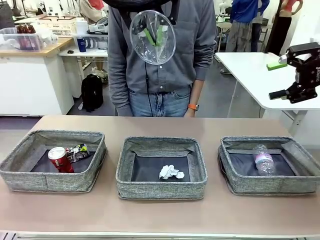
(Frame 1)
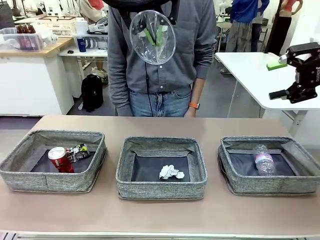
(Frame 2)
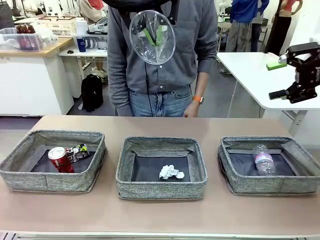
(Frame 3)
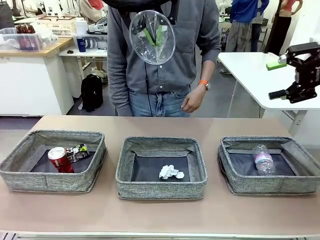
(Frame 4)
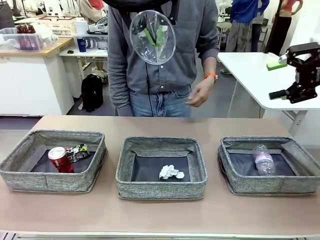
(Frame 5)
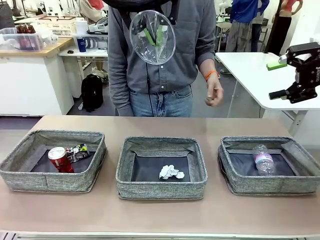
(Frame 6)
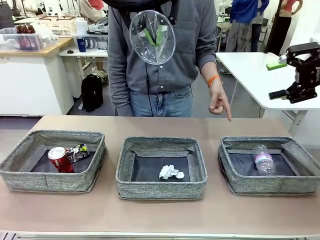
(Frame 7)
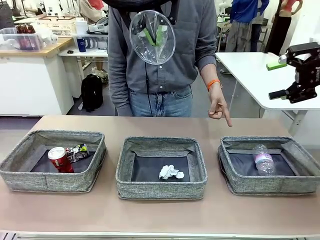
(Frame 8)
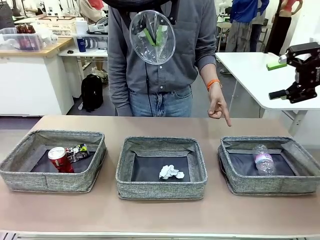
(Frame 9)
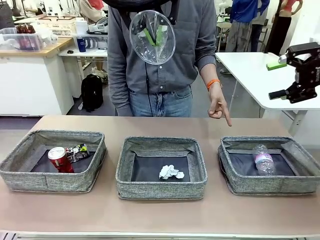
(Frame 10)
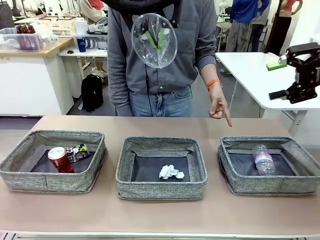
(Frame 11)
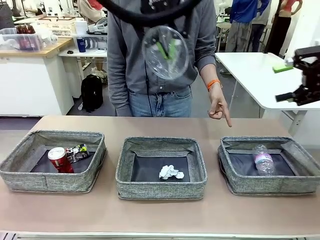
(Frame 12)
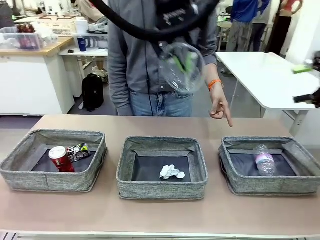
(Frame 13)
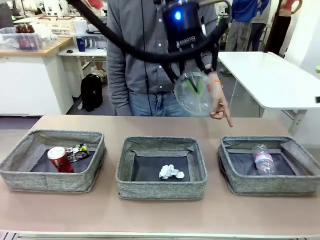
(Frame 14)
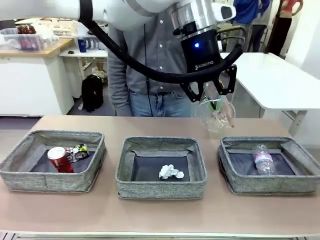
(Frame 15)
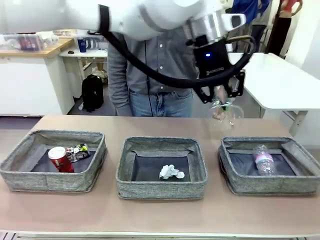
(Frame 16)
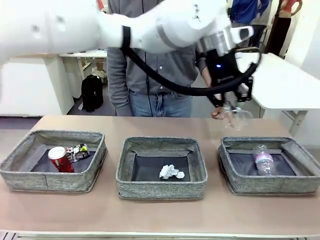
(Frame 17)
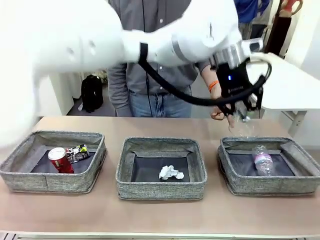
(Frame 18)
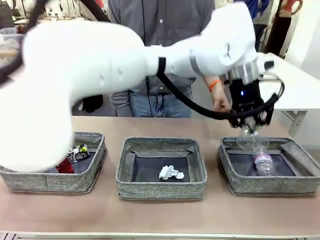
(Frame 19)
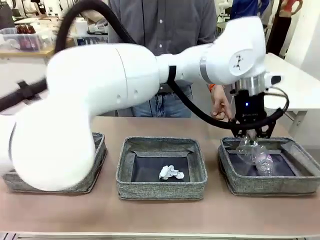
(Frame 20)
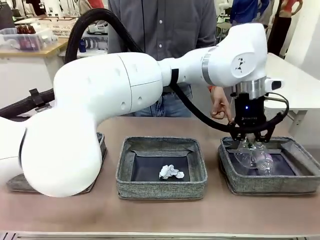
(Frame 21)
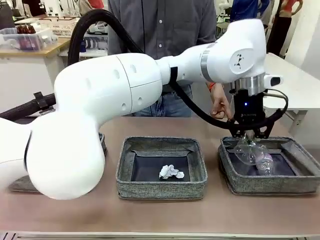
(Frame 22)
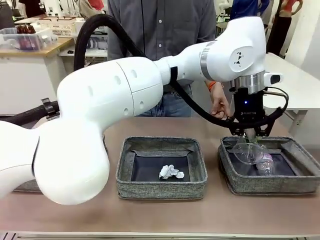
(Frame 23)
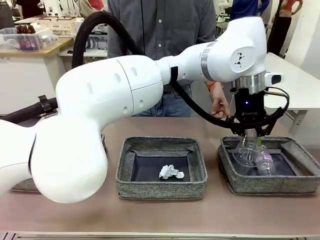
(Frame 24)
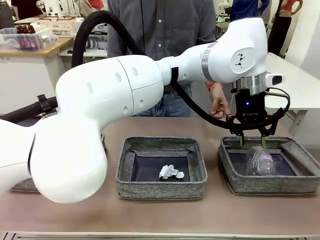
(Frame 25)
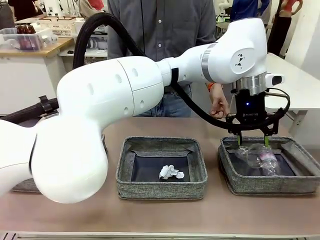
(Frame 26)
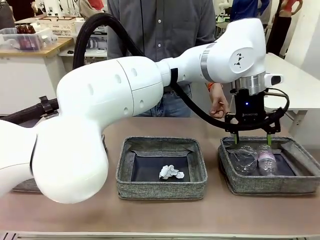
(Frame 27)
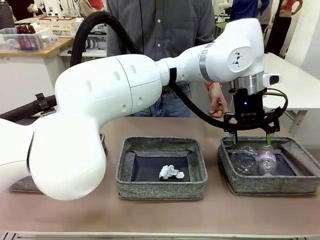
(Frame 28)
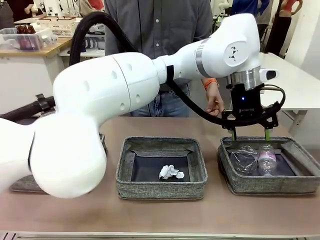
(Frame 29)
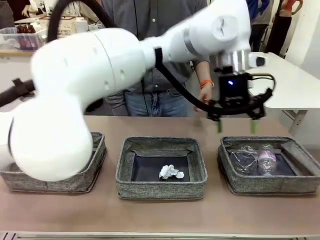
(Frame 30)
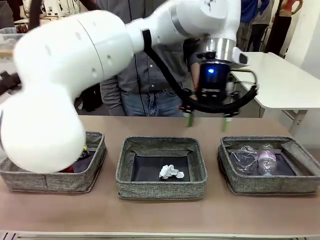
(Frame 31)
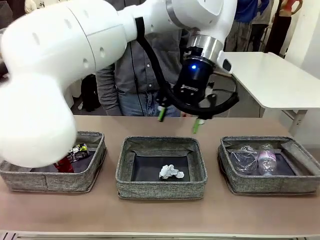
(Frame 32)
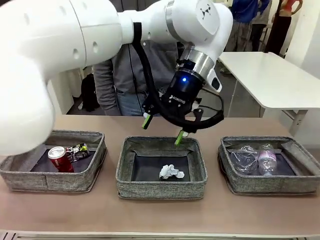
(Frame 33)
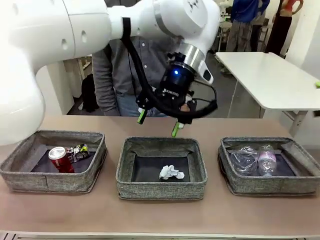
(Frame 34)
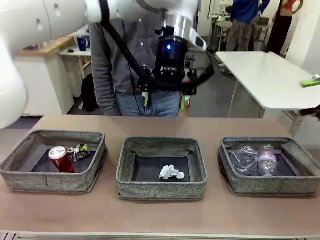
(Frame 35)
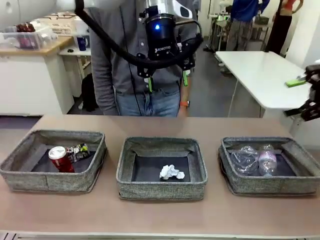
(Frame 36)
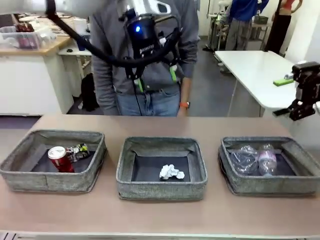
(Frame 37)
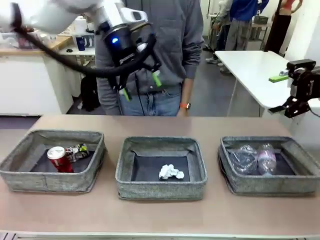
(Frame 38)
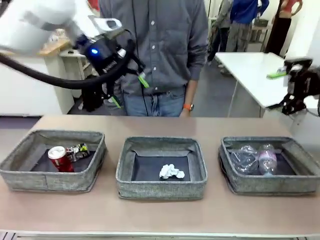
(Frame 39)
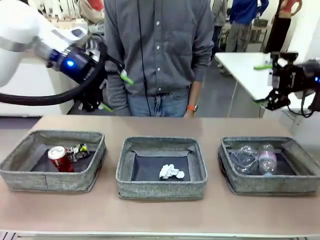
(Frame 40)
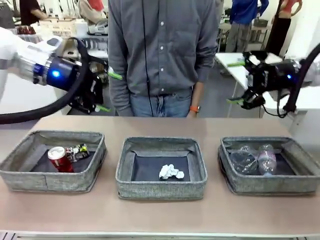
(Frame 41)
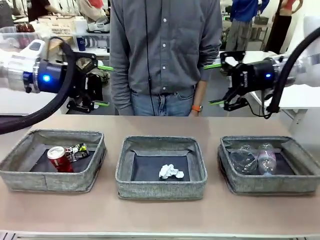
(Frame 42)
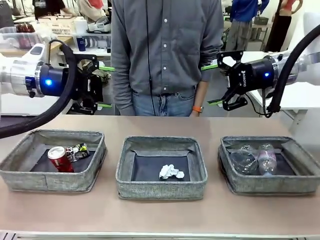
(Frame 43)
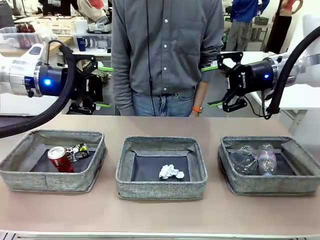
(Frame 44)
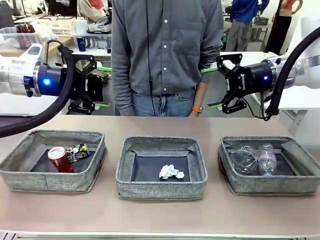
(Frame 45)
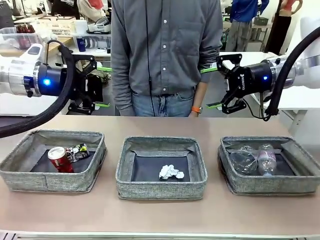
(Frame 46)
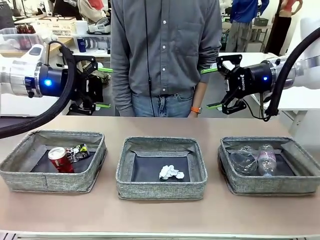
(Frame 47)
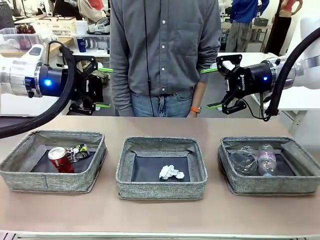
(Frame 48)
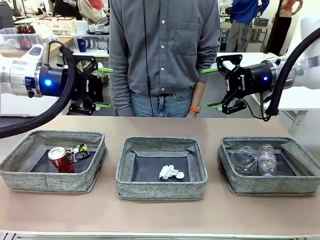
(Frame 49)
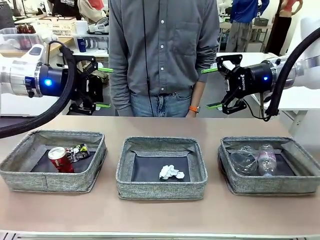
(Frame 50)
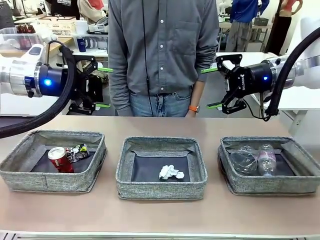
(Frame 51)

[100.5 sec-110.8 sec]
Task: Sort the waste into the appropriate baskets.
Robot: Place the picked waste into the Fabric basket indicated by the person.
Person: Instructs the robot to place the picked-up trash into the appropriate organizing basket.

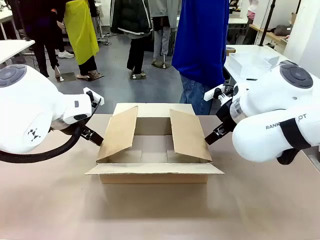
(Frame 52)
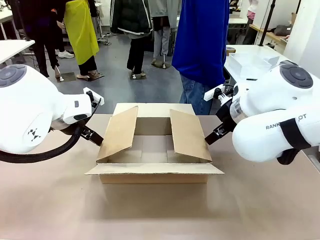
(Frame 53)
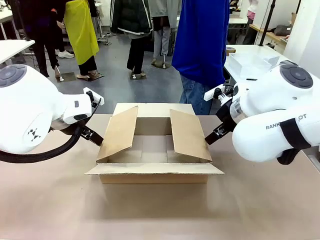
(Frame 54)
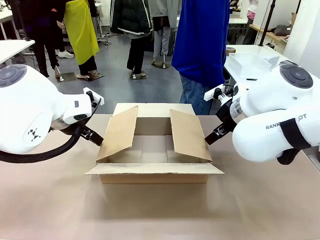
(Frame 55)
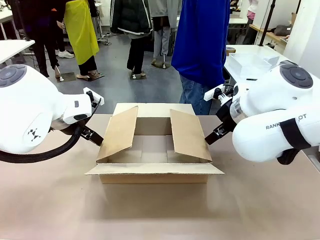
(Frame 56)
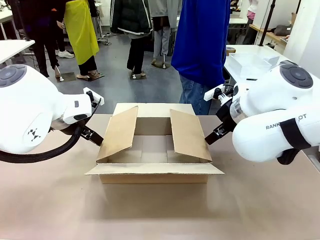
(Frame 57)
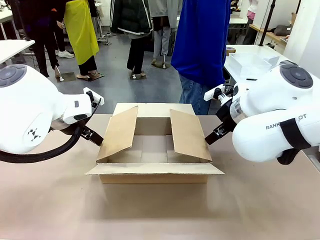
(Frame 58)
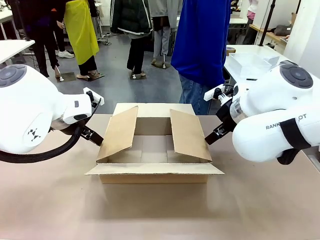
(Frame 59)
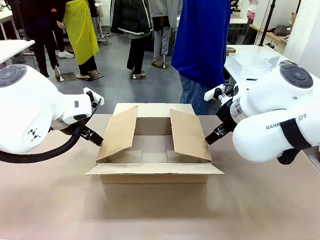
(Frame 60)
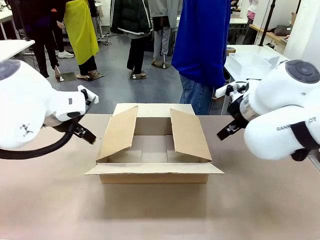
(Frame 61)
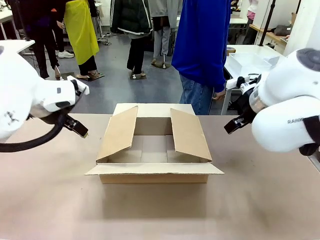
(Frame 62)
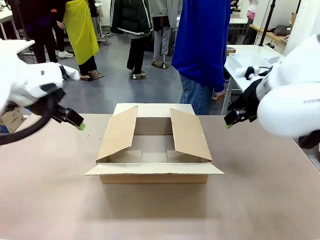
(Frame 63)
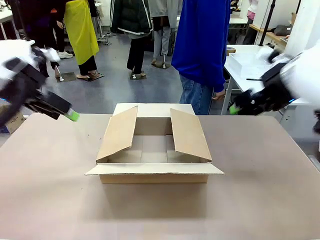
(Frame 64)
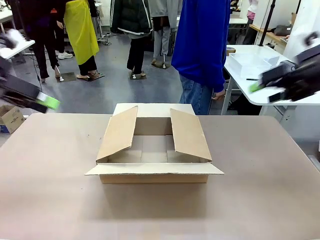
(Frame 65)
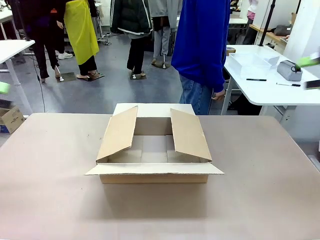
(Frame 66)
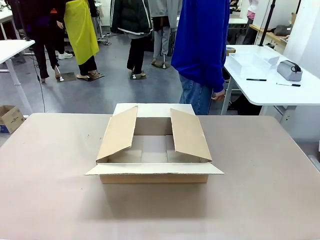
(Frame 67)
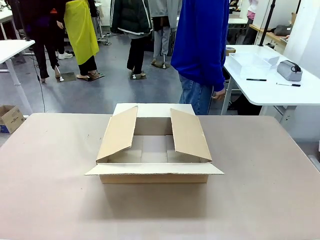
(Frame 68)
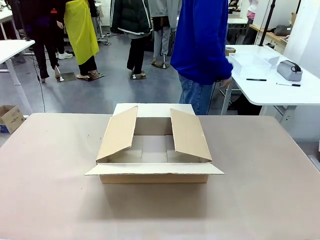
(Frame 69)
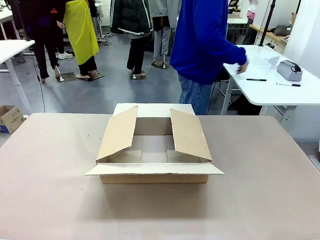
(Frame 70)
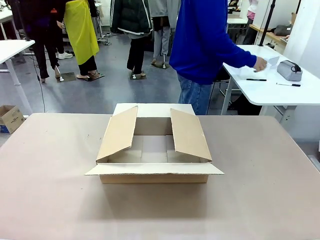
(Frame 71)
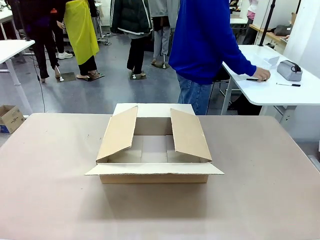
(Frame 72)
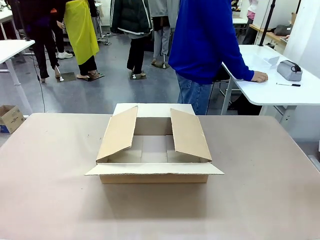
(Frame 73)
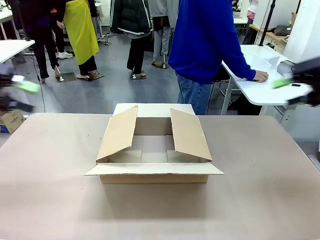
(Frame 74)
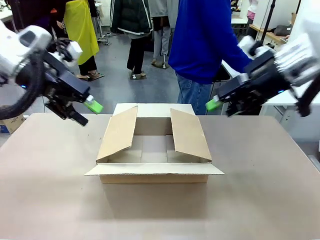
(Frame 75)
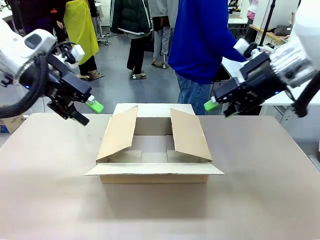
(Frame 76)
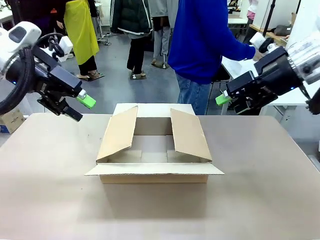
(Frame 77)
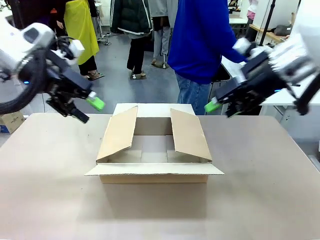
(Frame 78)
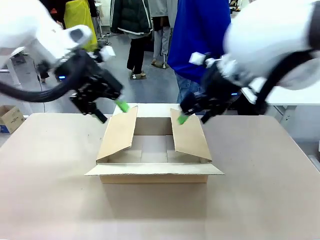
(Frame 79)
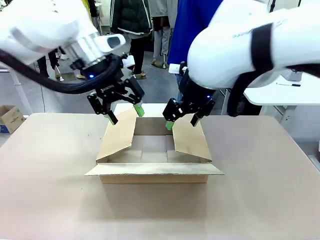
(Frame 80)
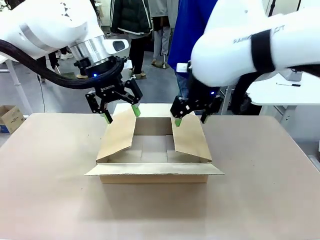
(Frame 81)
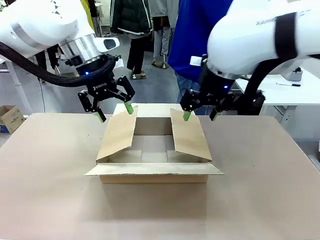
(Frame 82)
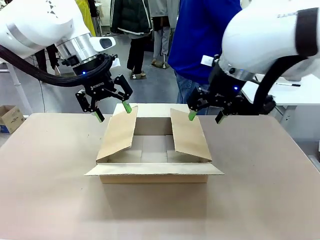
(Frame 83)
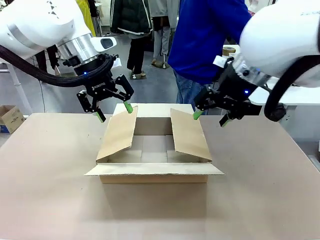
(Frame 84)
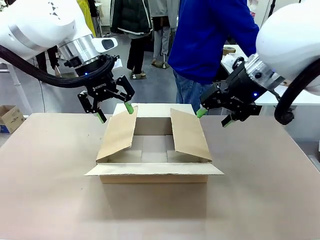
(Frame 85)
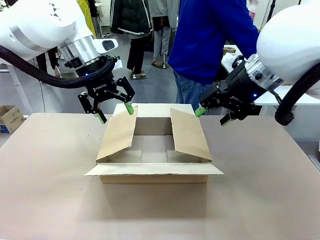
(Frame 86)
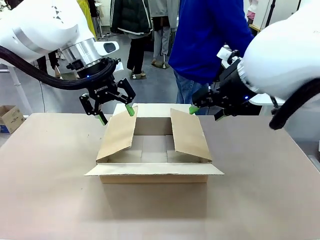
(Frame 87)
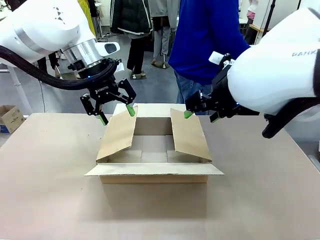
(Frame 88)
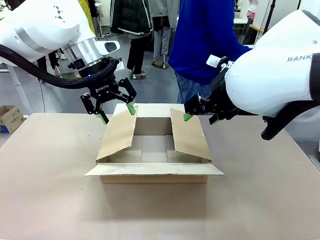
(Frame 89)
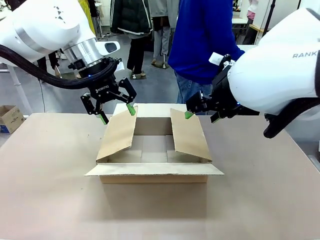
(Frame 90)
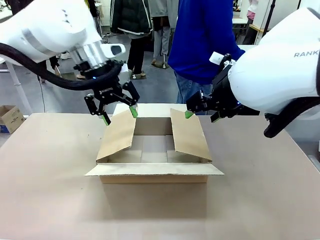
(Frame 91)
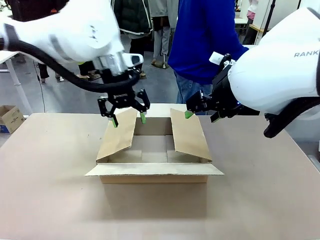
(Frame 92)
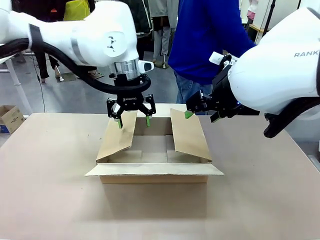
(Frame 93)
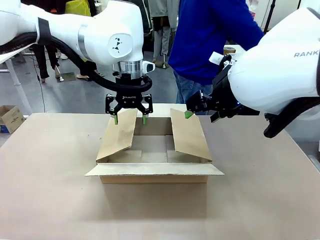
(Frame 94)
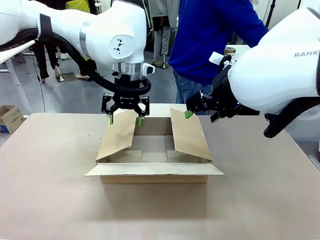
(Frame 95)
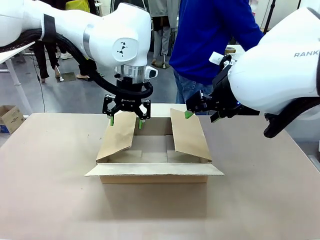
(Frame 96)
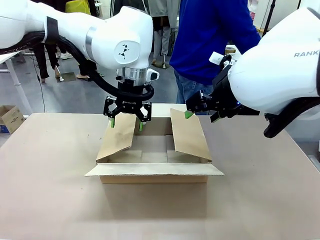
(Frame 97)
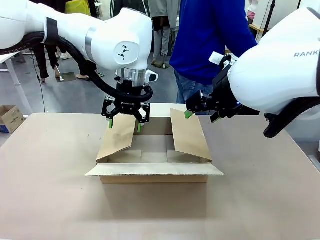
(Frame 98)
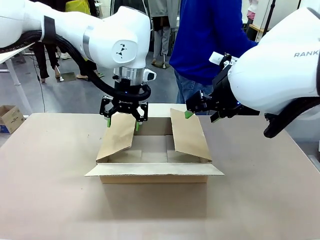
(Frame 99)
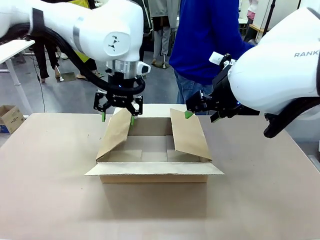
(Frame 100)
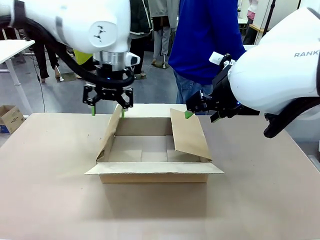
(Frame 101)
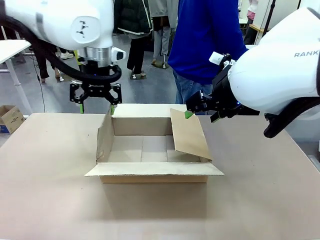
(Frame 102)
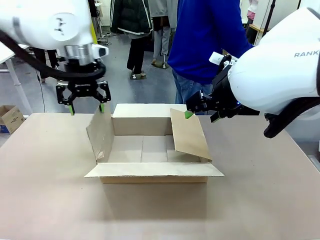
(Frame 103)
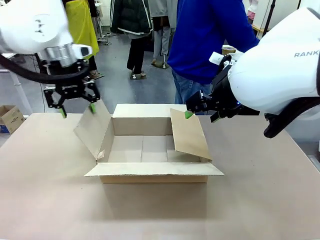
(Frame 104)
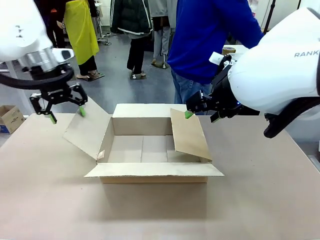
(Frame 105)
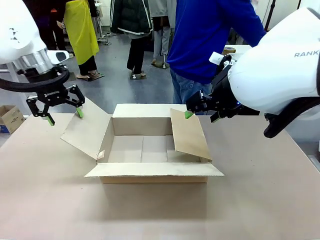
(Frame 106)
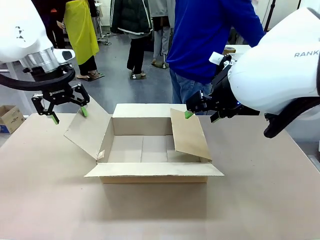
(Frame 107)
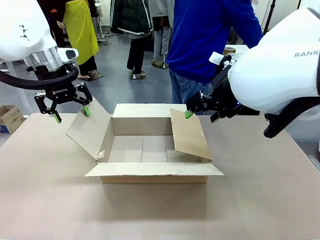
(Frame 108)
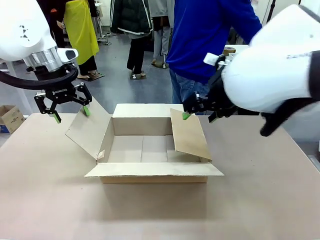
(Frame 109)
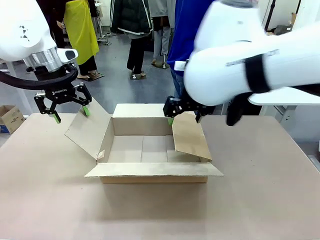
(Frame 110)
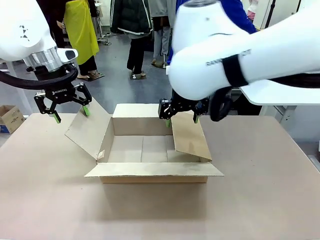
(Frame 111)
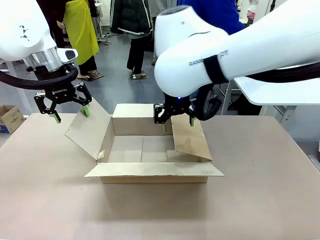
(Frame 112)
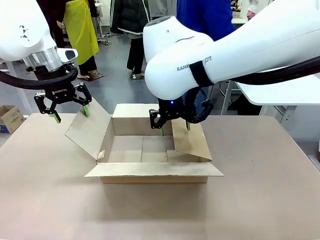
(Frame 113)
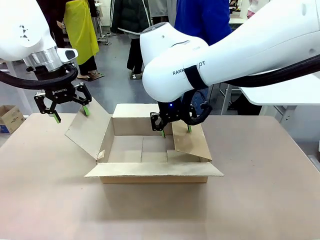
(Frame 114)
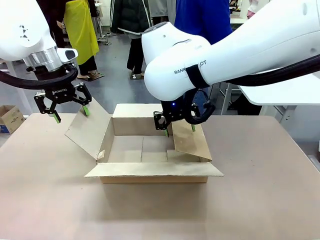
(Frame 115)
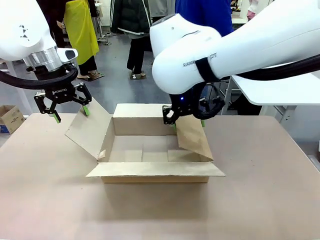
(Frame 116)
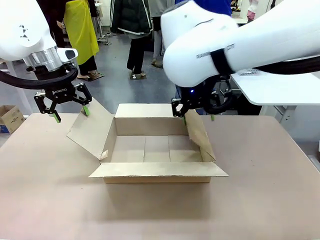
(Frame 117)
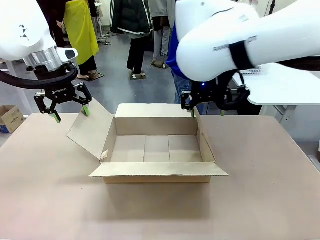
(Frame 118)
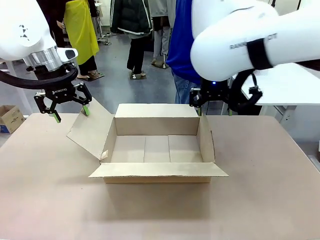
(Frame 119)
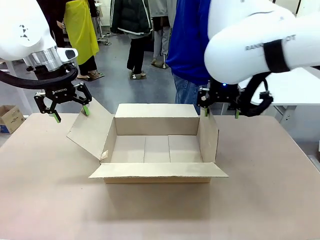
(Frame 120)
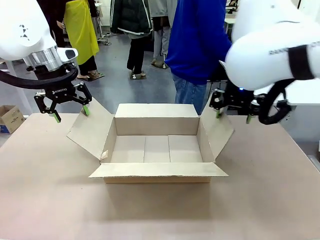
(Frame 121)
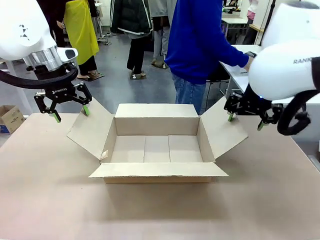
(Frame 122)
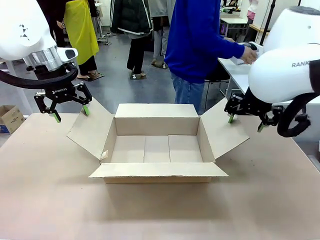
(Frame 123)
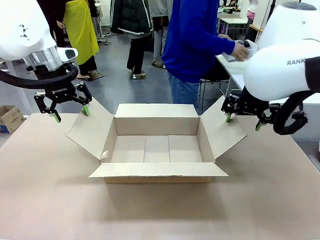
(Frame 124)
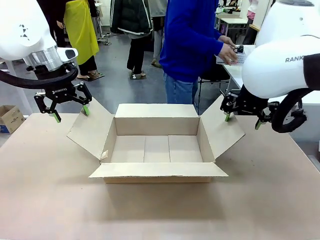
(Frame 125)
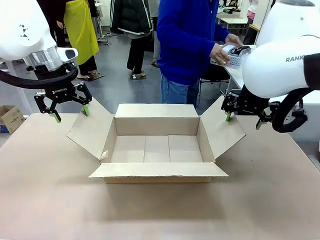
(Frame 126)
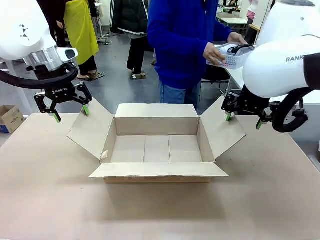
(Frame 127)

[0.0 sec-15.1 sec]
Task: Pack the gift set into the box.
Robot: Place both hands on the side flaps of the Package Box and spread them outward.
Person: The human places all items except the paper tape into the organizing basket.
